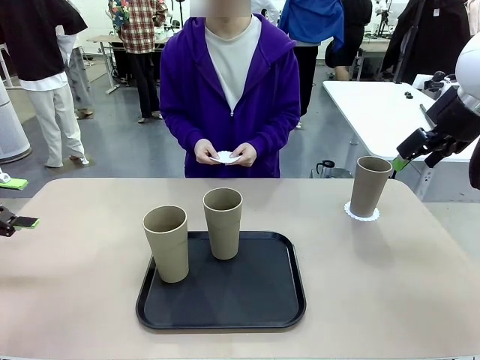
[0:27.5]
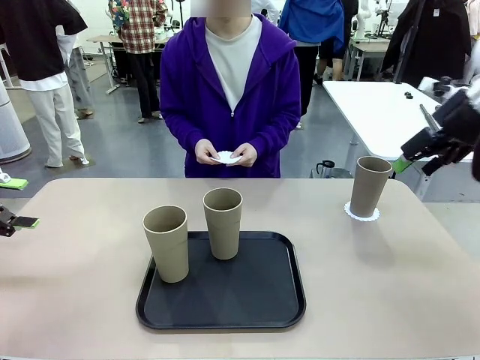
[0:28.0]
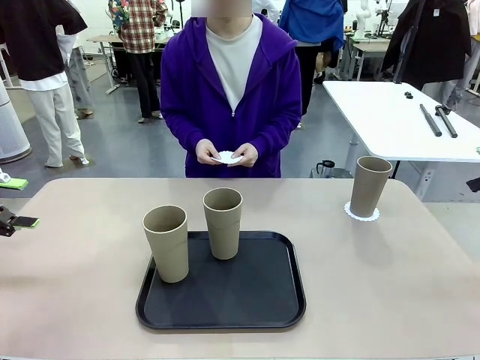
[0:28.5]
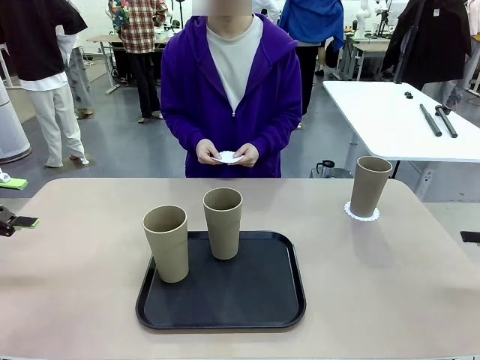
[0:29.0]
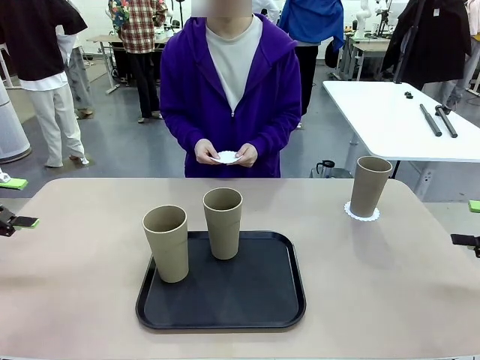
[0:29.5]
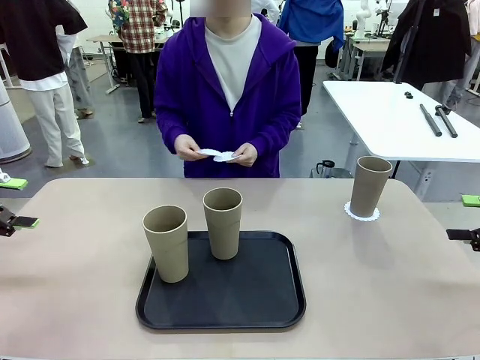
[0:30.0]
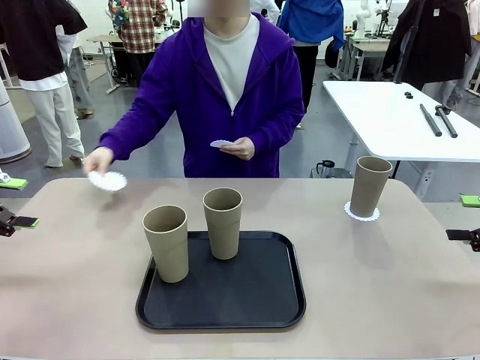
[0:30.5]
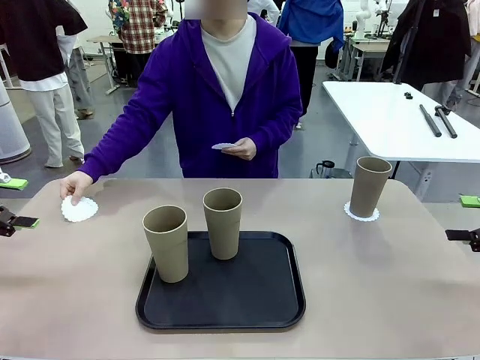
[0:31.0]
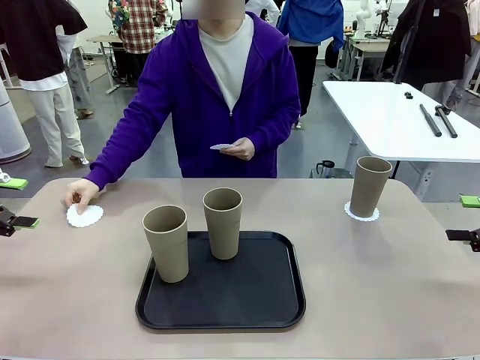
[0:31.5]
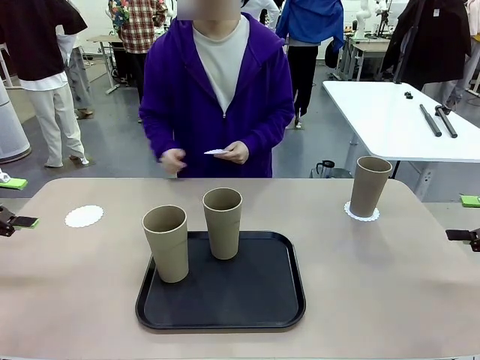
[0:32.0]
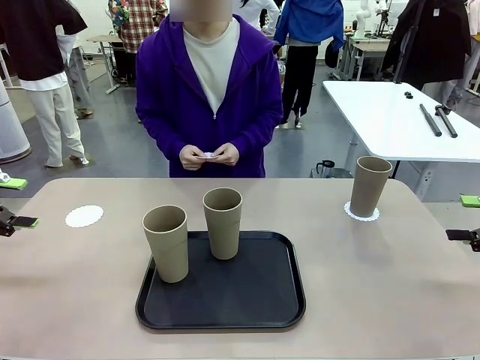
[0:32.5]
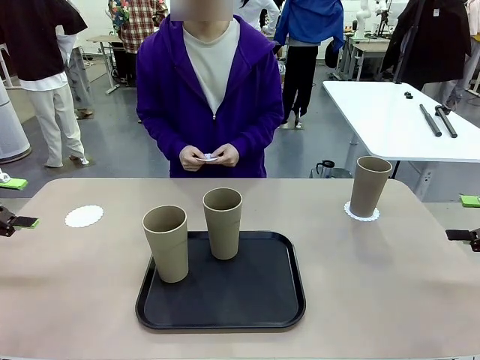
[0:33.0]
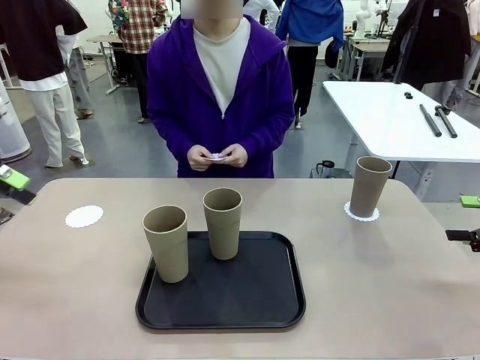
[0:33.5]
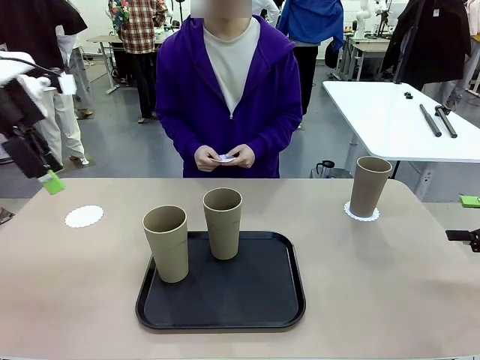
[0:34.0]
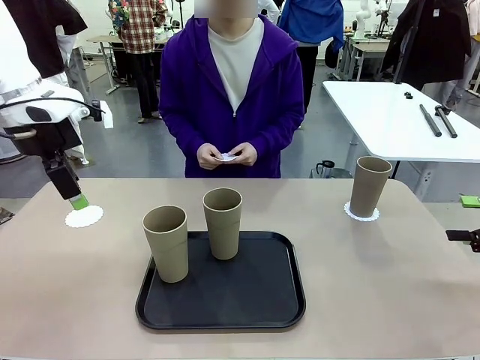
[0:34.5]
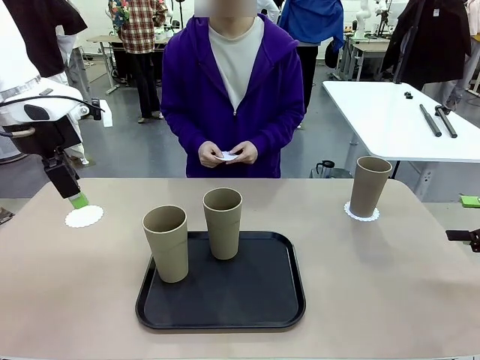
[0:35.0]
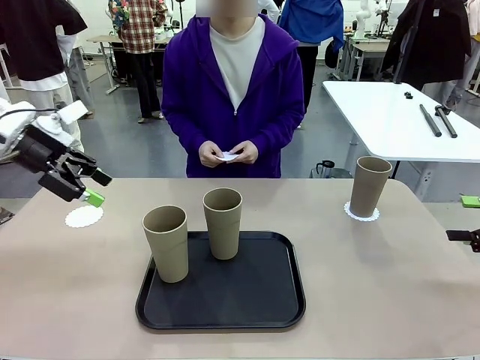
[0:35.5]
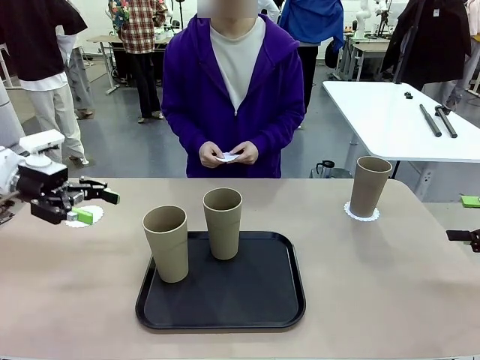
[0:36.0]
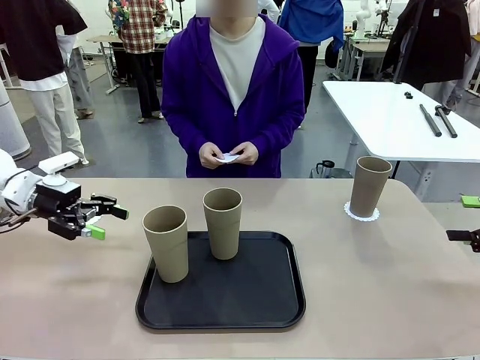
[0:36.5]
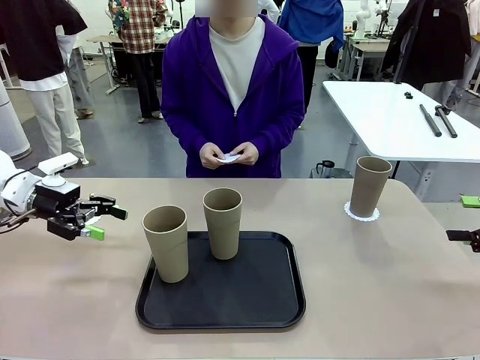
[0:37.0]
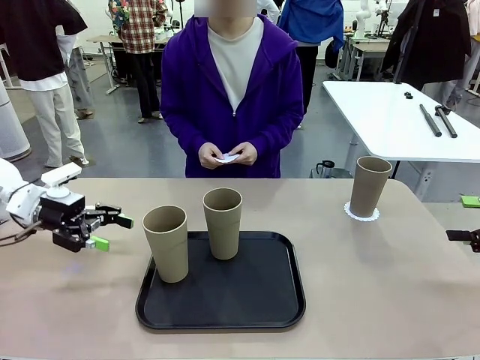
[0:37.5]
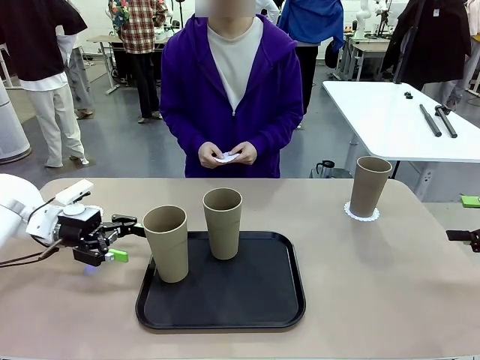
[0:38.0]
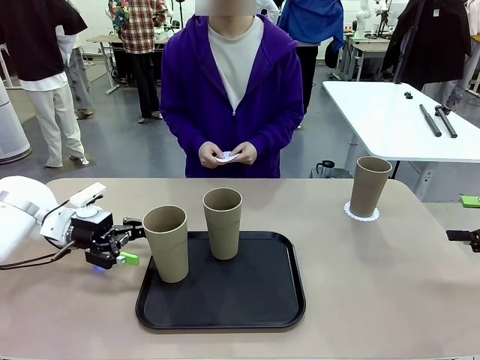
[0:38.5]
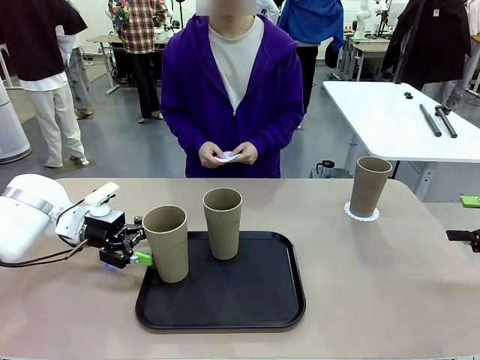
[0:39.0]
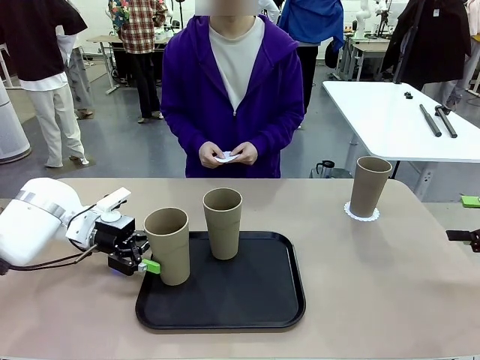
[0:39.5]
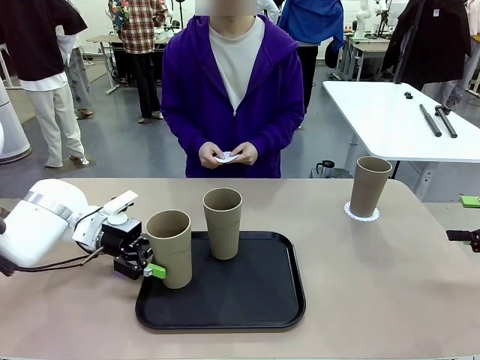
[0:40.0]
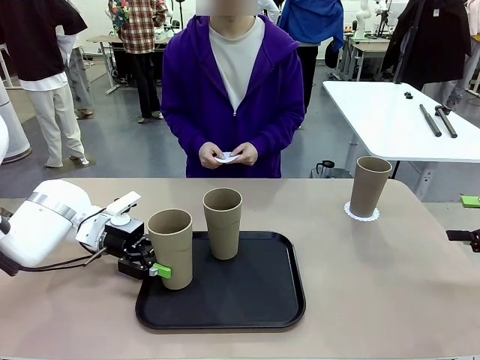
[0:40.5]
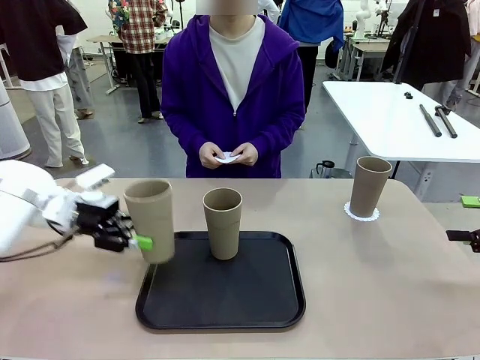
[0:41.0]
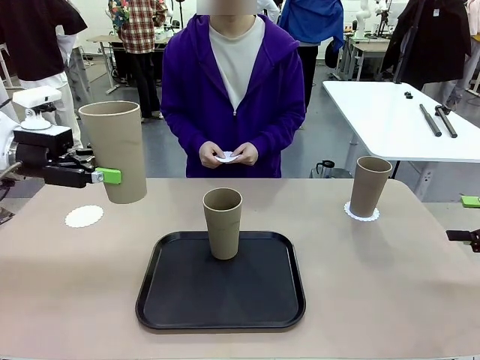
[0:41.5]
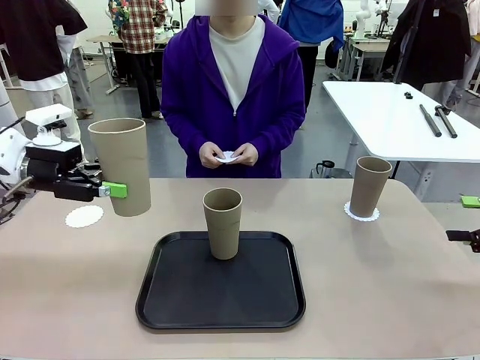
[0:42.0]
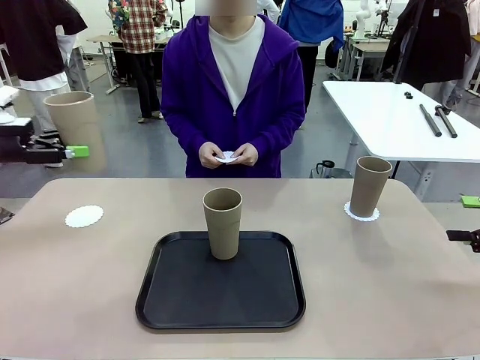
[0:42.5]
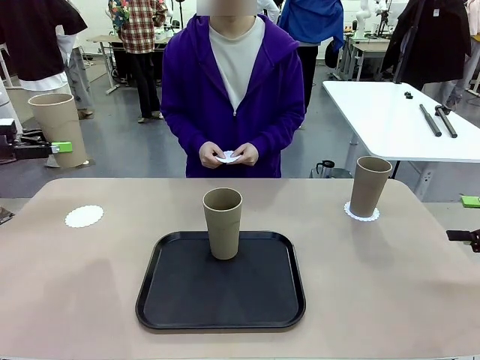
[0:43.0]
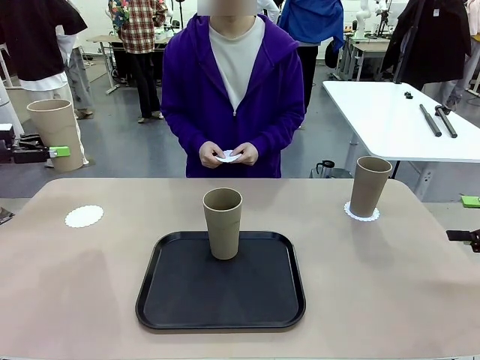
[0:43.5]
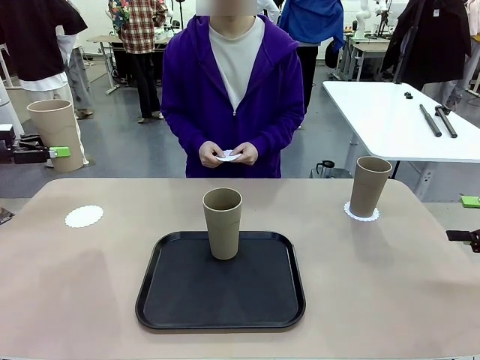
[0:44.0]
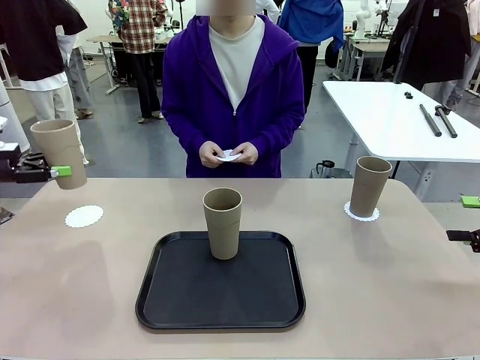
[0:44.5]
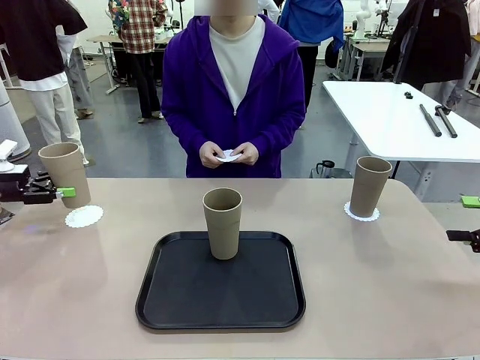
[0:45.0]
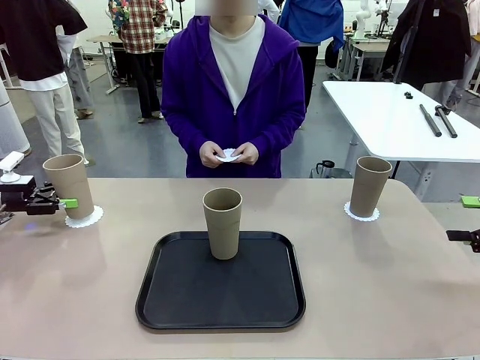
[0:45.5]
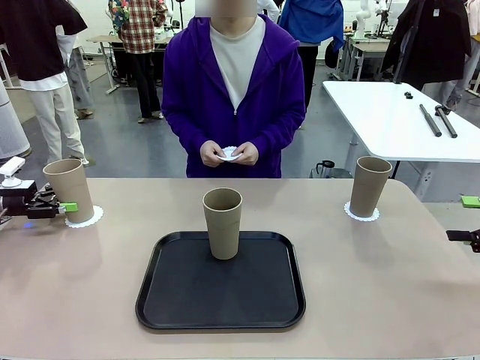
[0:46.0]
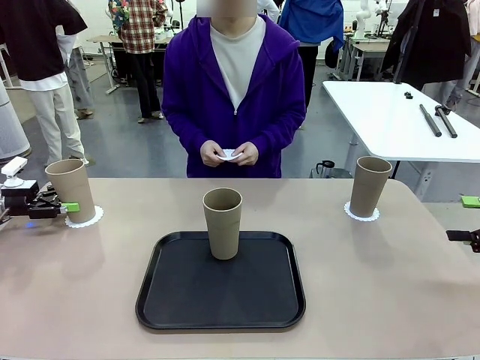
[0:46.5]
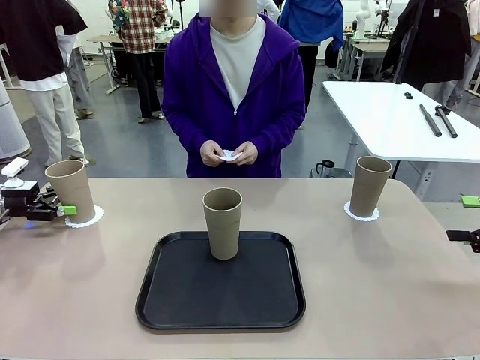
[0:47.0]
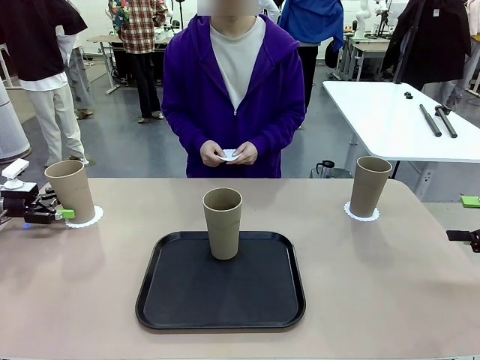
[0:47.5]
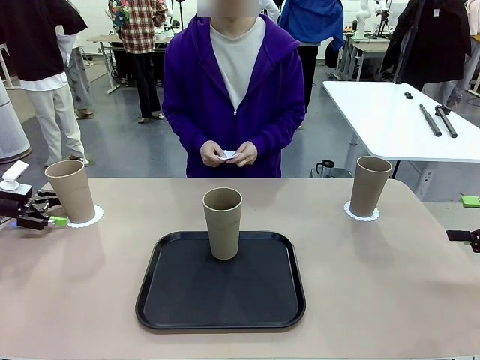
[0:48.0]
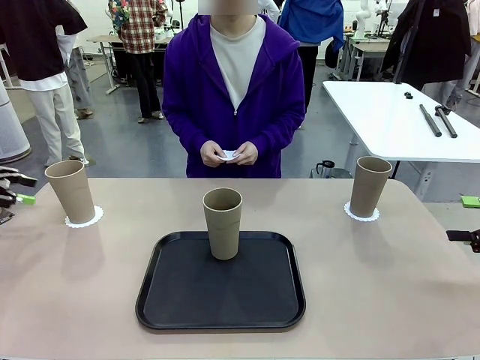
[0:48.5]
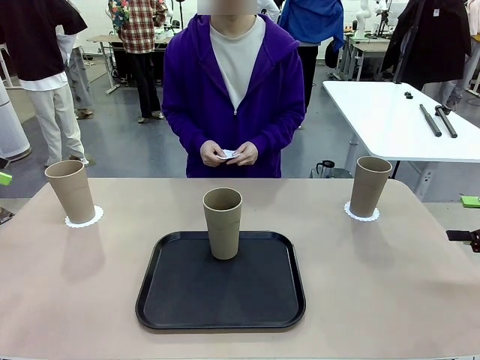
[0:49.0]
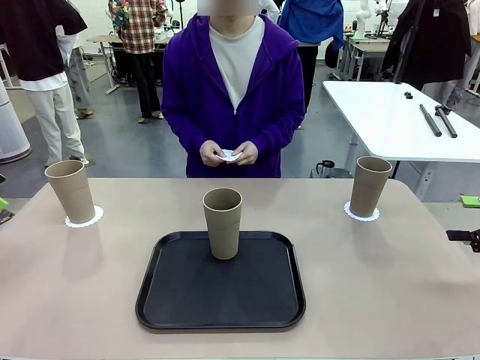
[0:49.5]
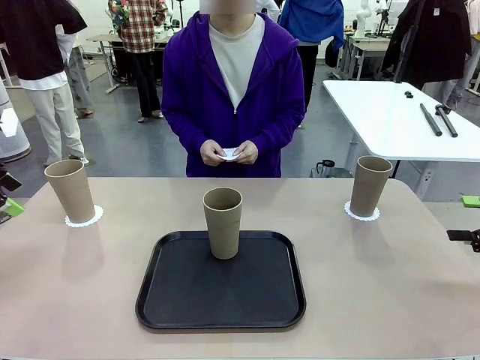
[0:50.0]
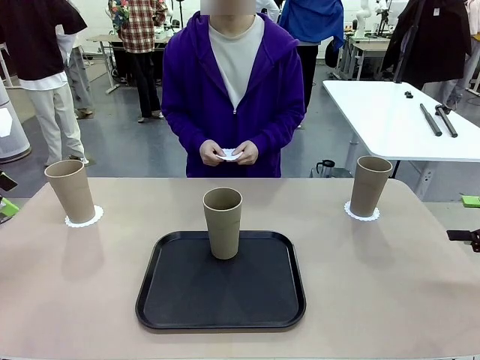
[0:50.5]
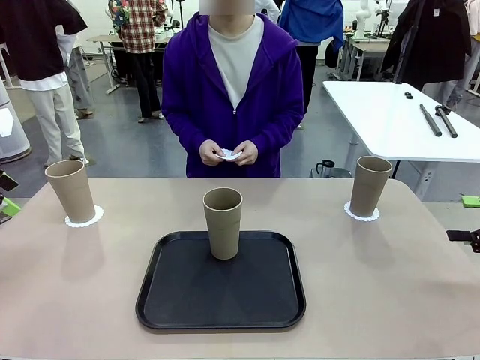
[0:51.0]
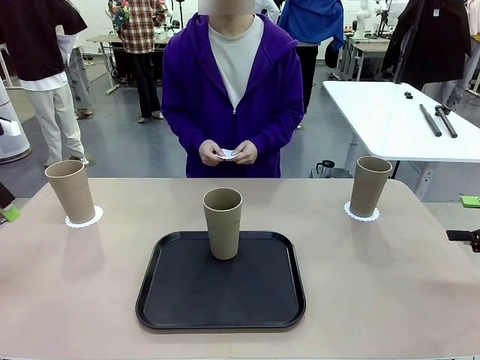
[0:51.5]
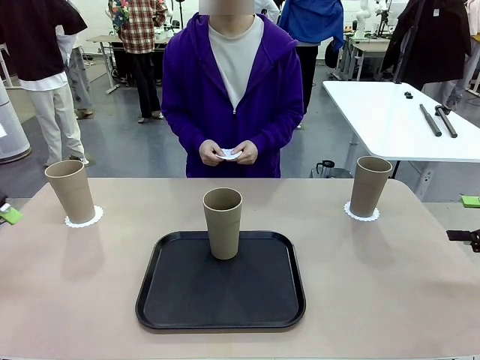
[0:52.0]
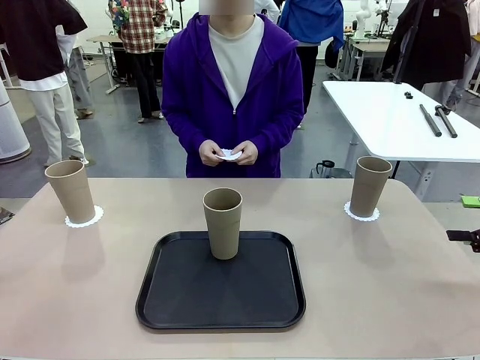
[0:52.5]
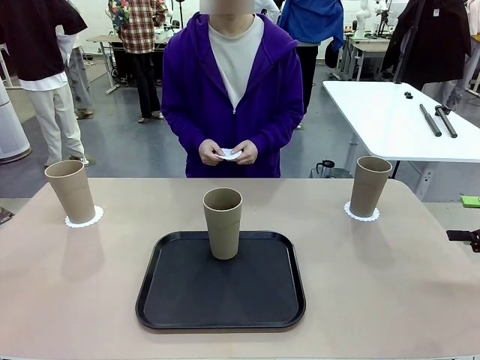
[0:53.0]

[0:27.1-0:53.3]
Task: Place coasters on the table and set cups on them.
Robot: Take one Reusable plastic cup from the Flat Tray and place it on a coaster set by the human.
